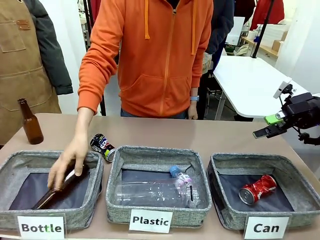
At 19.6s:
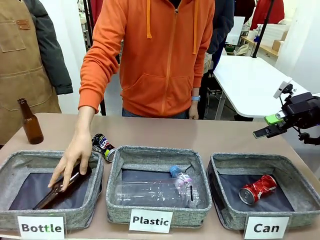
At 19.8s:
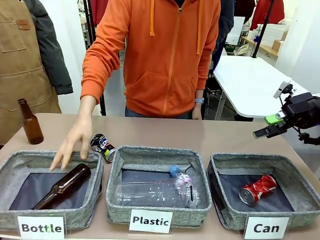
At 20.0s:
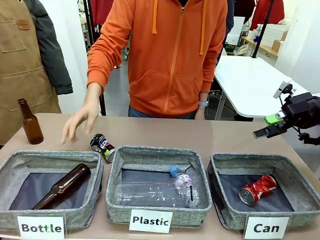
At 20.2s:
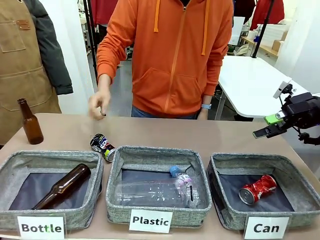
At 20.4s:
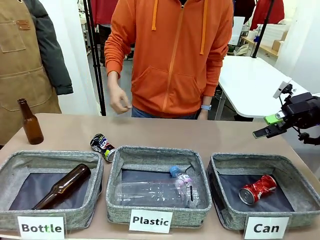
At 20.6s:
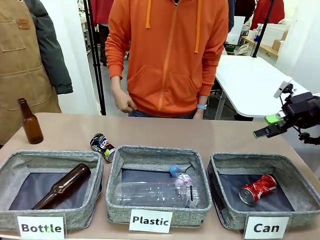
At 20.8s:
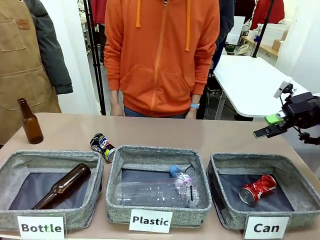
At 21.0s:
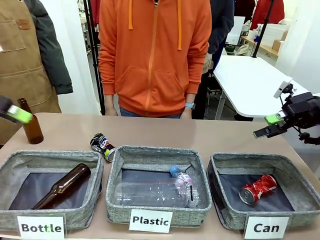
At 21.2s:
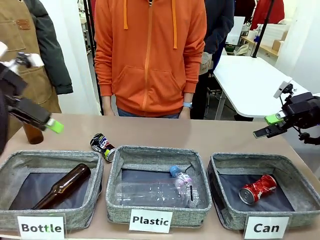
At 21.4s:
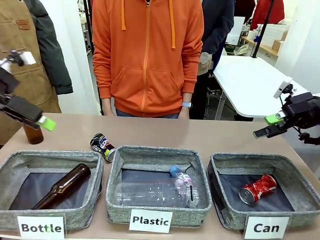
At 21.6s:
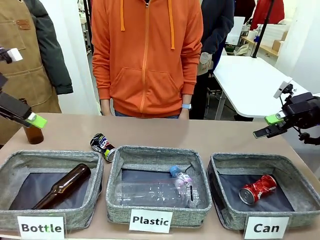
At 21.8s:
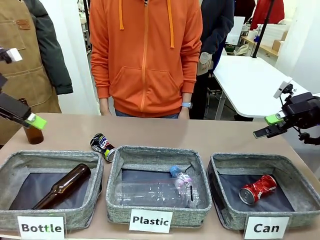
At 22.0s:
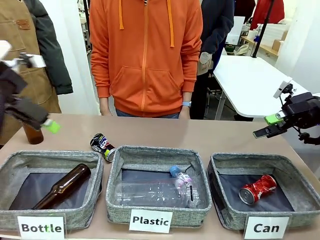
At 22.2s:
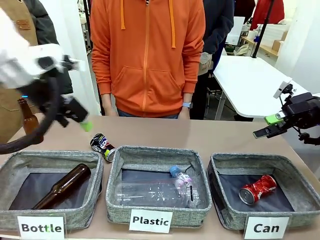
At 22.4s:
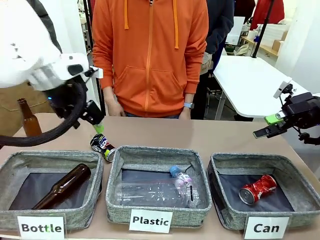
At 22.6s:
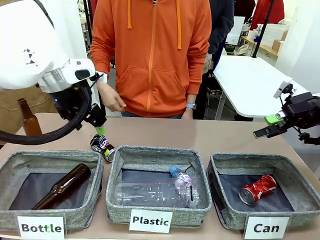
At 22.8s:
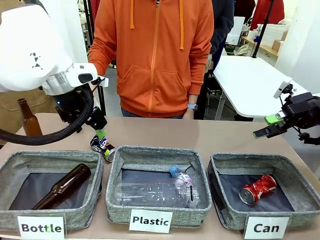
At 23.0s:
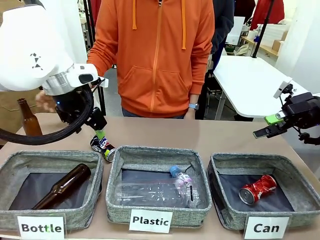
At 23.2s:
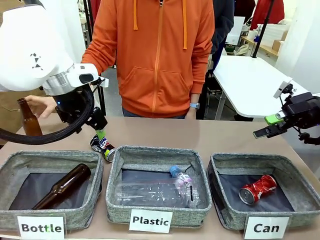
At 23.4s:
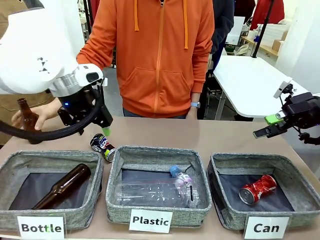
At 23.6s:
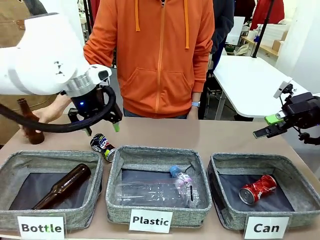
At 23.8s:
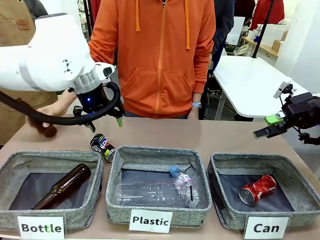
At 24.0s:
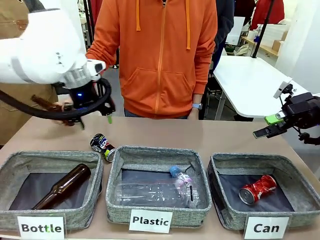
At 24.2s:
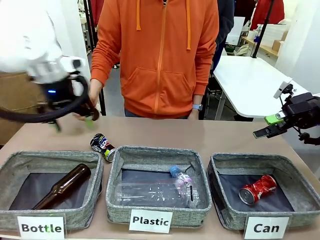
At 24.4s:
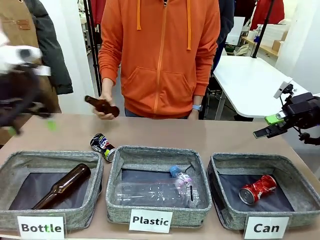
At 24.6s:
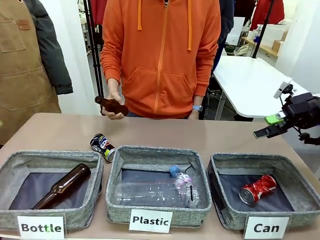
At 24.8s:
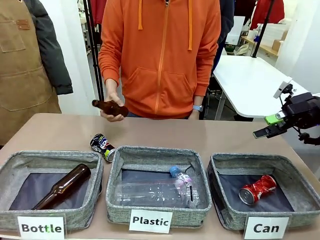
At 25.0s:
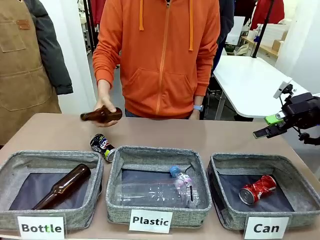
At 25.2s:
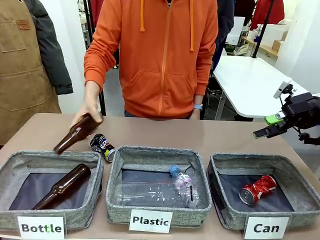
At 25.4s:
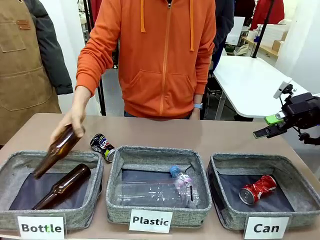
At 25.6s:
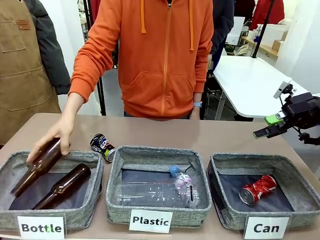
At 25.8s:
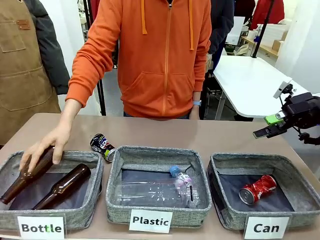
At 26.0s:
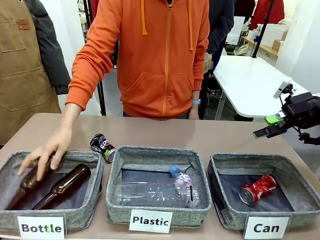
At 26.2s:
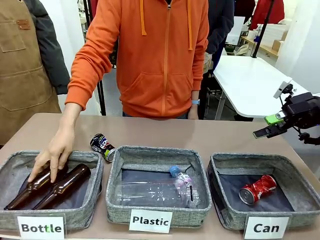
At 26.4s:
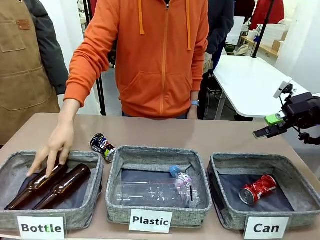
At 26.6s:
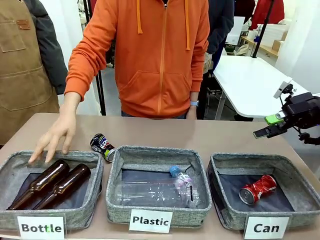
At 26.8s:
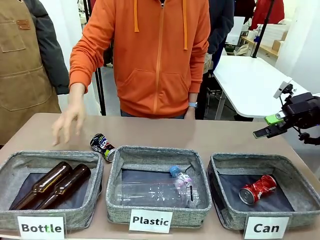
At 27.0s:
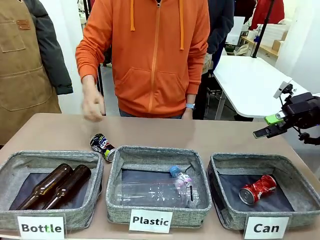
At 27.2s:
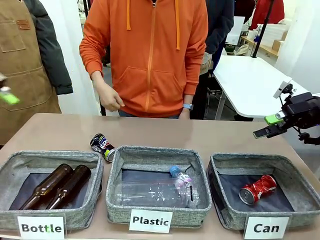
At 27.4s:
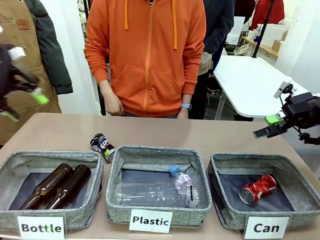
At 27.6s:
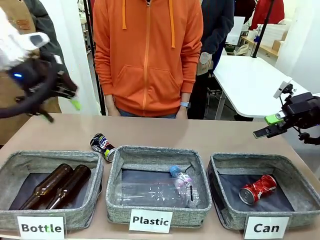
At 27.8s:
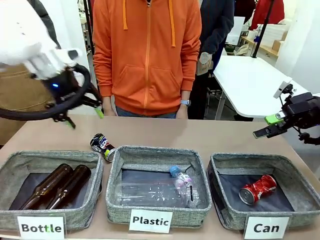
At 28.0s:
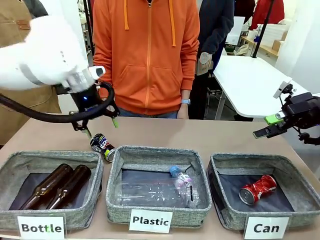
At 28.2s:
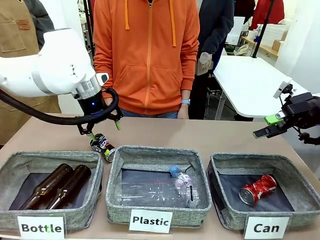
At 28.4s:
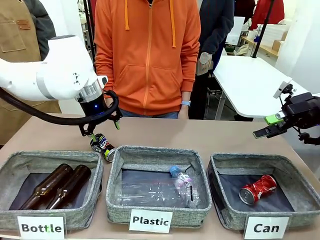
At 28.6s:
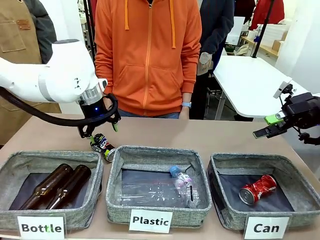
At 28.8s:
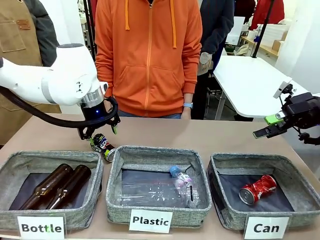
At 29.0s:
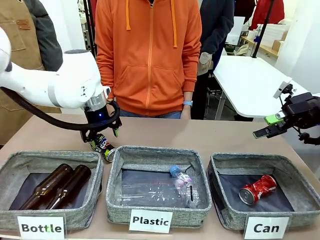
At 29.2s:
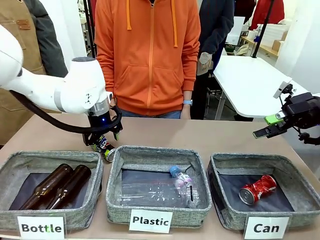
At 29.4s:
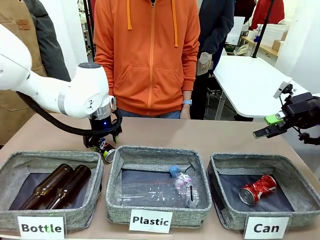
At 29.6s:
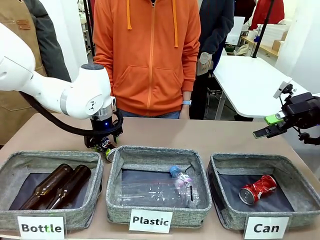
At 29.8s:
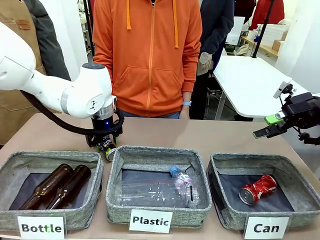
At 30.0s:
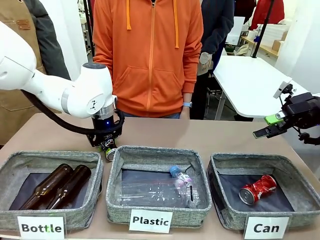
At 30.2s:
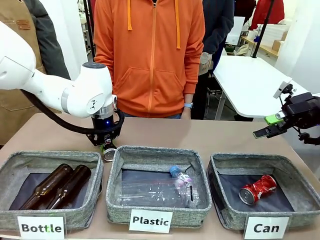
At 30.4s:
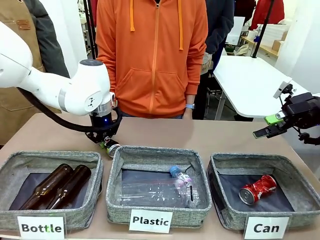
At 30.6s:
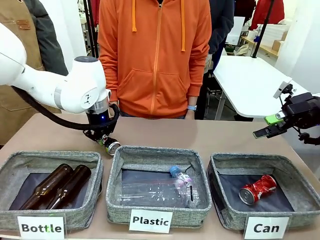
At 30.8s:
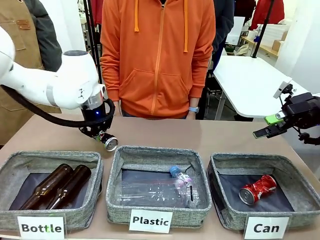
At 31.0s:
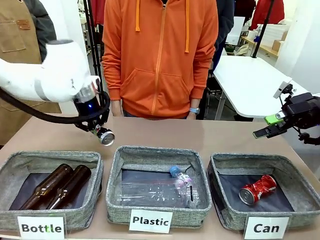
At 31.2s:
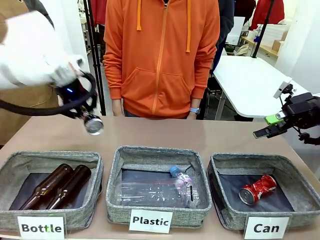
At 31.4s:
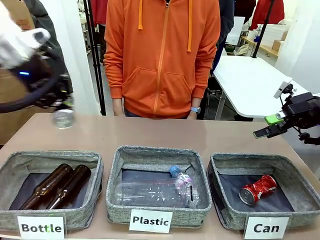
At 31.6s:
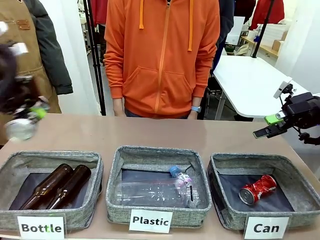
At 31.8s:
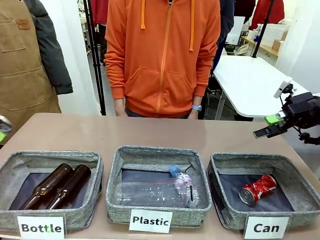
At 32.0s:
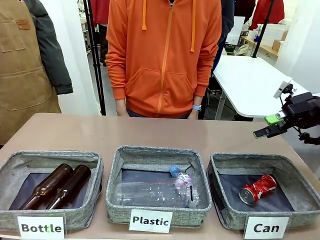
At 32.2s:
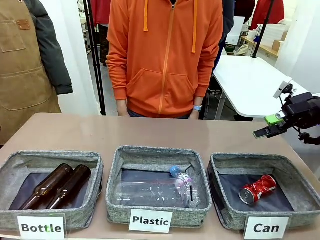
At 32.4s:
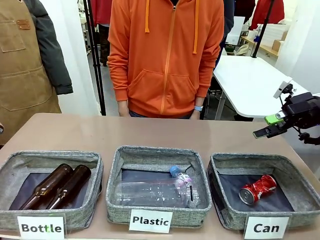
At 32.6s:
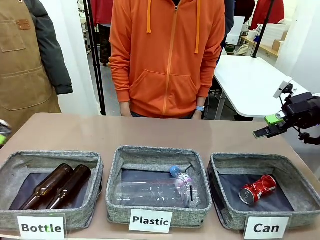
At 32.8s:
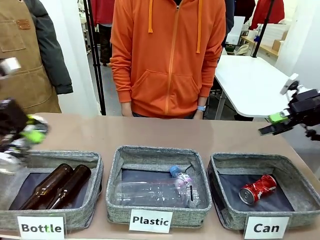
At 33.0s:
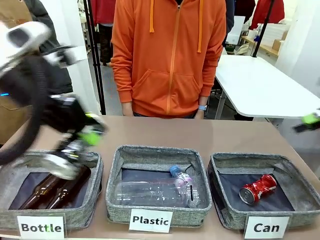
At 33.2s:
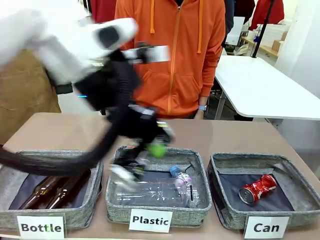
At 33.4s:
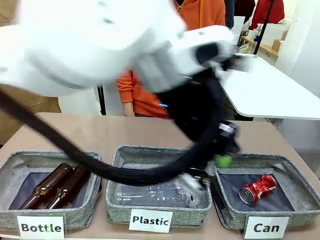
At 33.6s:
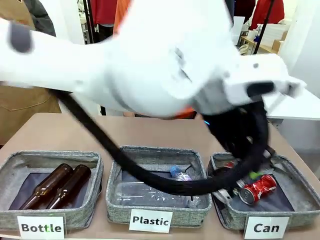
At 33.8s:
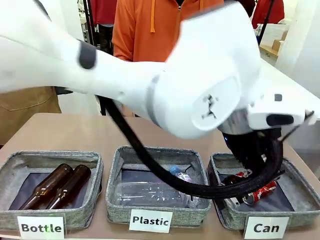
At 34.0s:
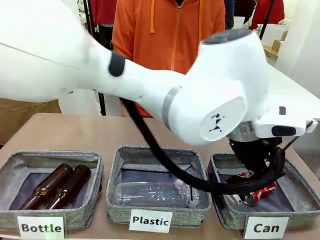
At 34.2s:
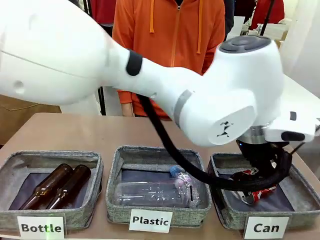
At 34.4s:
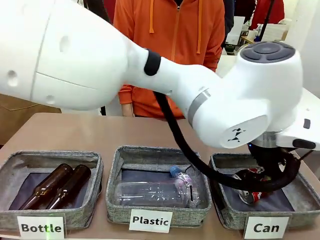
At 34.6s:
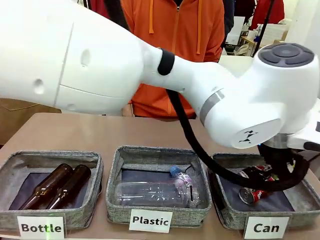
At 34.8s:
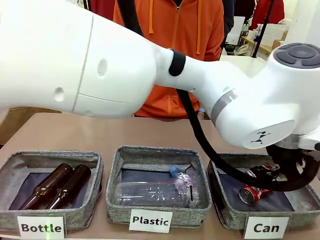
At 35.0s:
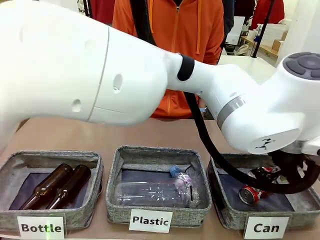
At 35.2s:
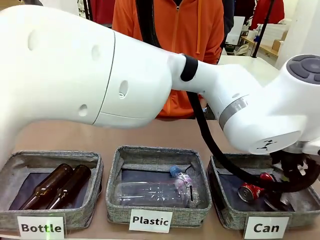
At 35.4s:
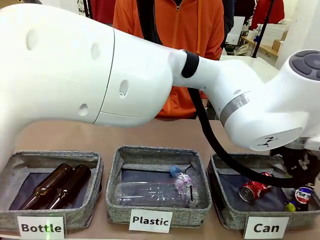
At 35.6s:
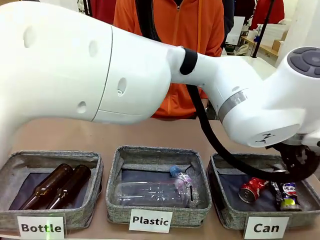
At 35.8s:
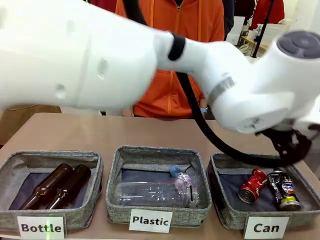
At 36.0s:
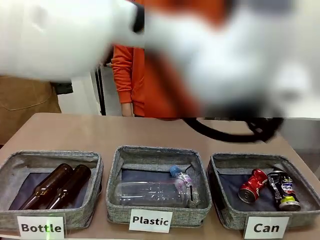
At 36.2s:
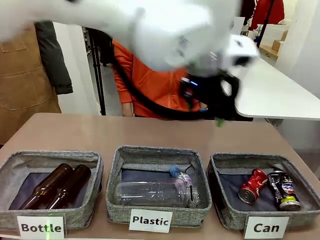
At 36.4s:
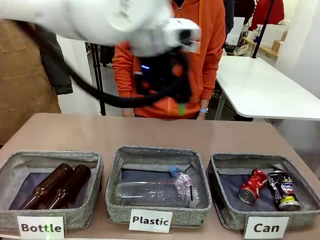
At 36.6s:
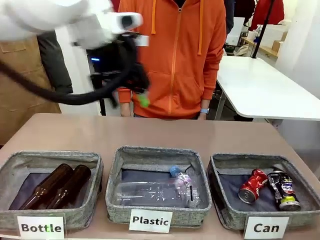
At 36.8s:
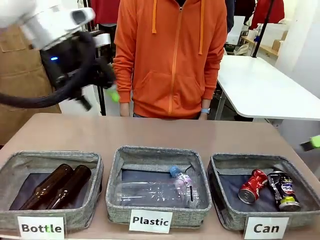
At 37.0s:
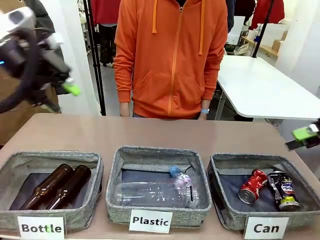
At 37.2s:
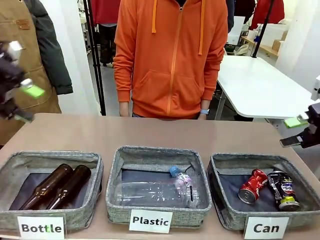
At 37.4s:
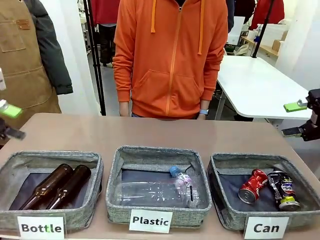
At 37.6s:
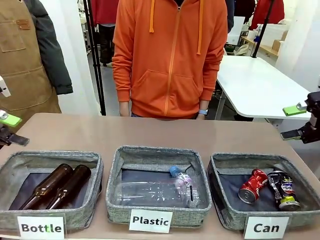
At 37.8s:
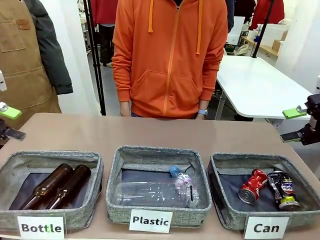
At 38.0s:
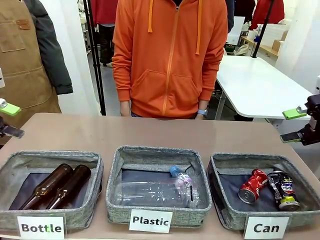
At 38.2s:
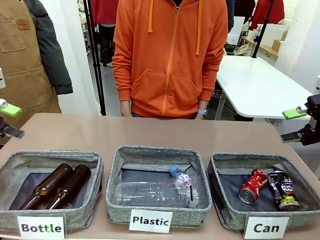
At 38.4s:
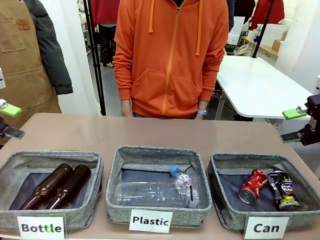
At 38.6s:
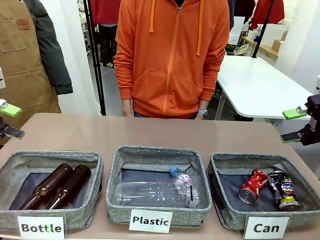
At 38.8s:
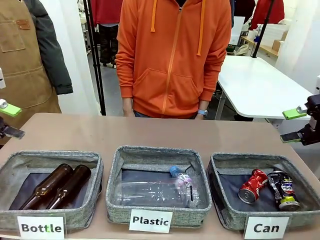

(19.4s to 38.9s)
Task: Sort the can waste into the basket.
Robot: Pick up the can waste from the table and place it in the right Fabric basket.
Person: The human picks up one piece of trash that is not a can and places the trash into the appropriate organizing basket.
